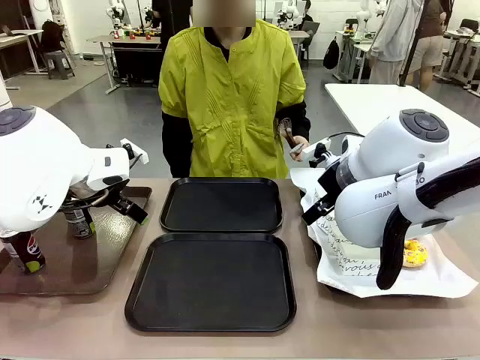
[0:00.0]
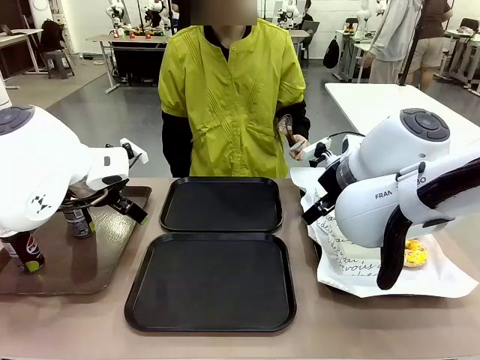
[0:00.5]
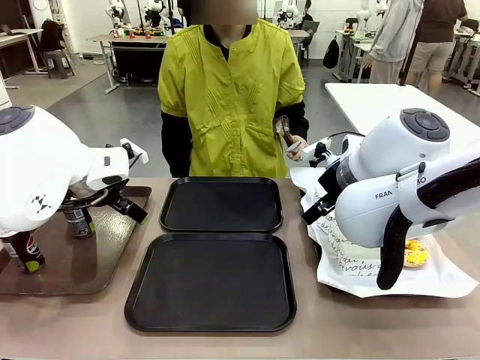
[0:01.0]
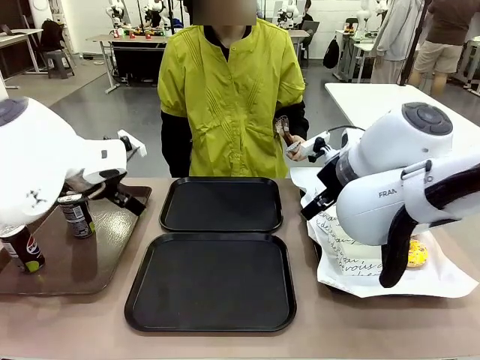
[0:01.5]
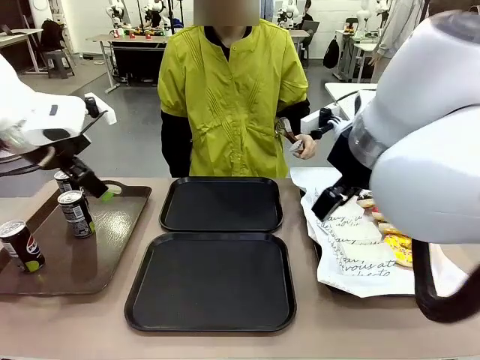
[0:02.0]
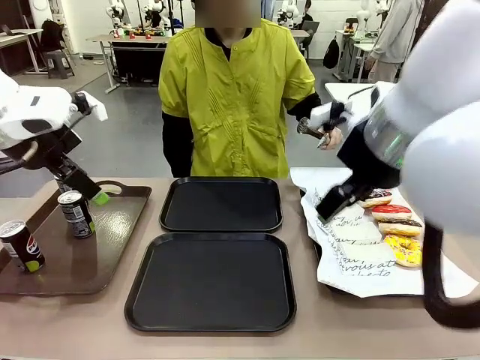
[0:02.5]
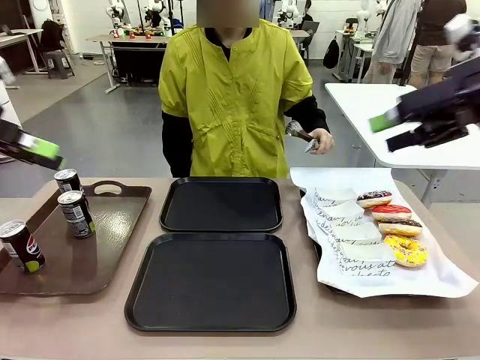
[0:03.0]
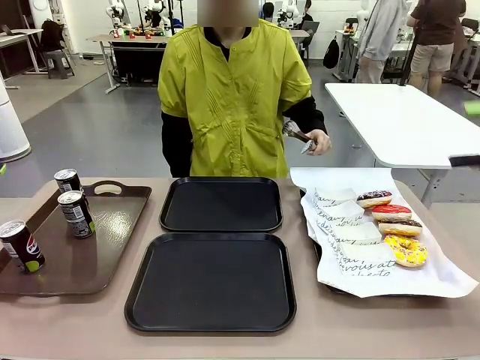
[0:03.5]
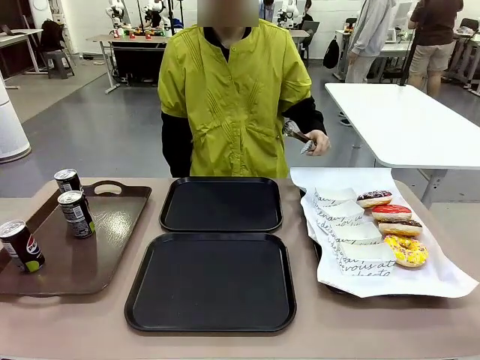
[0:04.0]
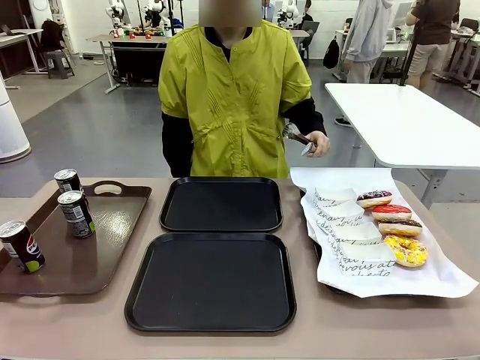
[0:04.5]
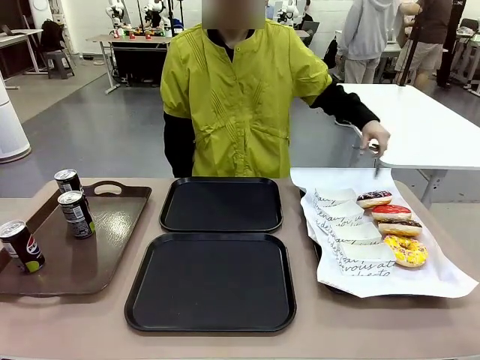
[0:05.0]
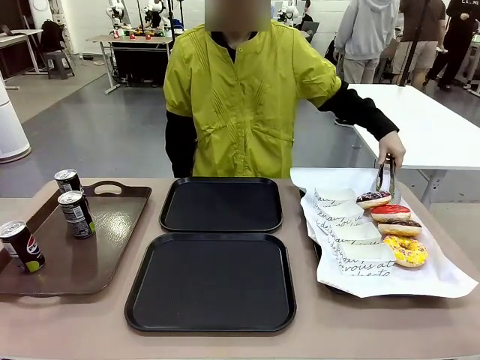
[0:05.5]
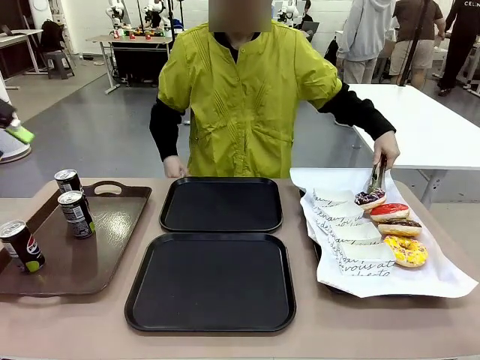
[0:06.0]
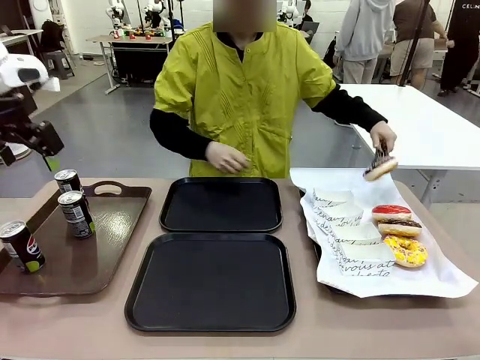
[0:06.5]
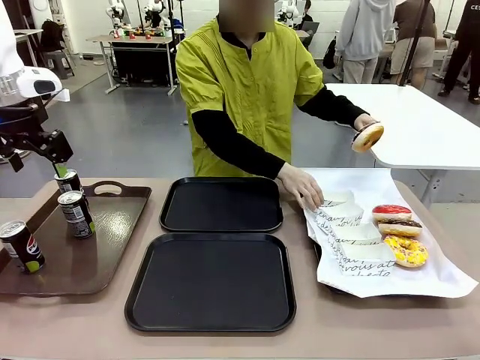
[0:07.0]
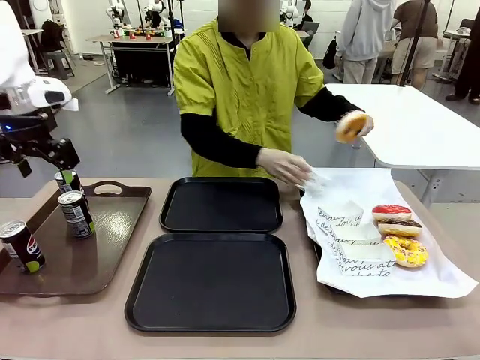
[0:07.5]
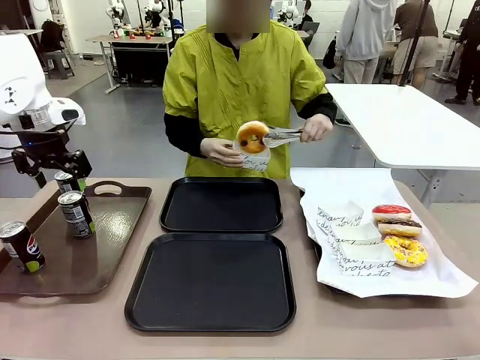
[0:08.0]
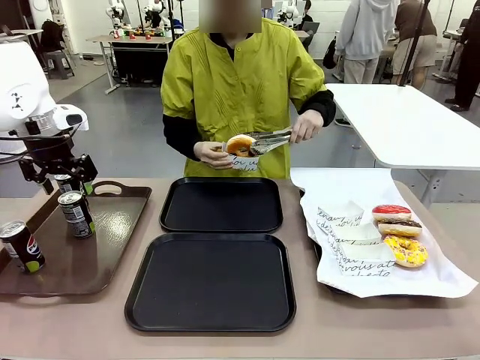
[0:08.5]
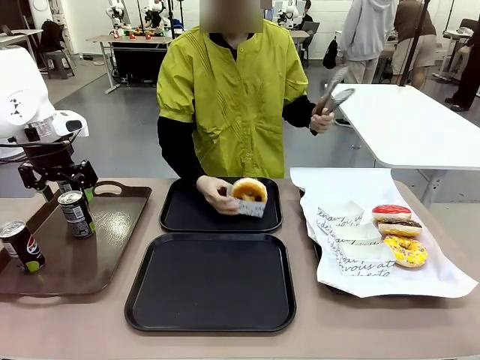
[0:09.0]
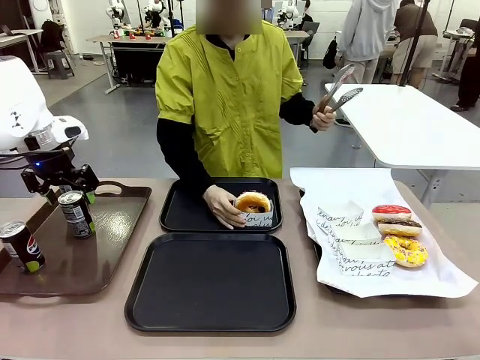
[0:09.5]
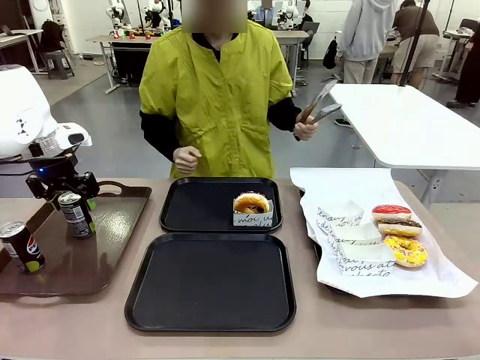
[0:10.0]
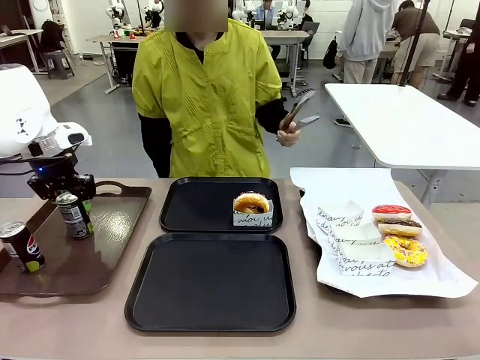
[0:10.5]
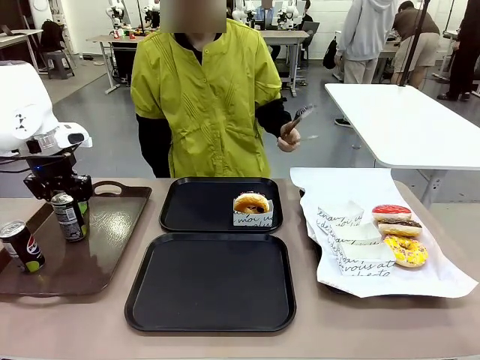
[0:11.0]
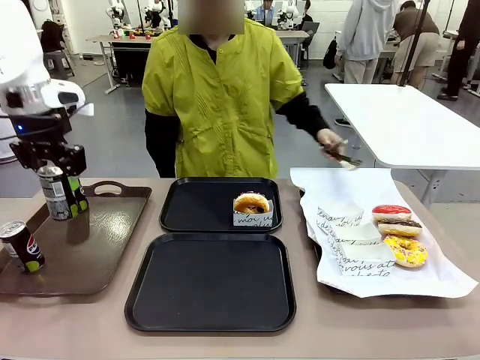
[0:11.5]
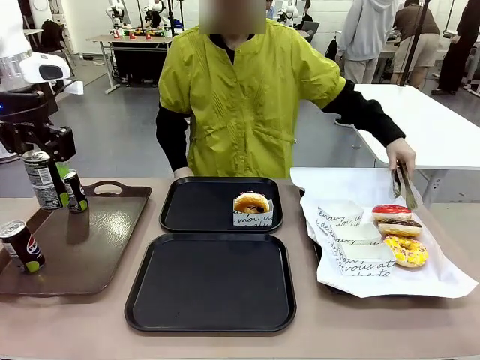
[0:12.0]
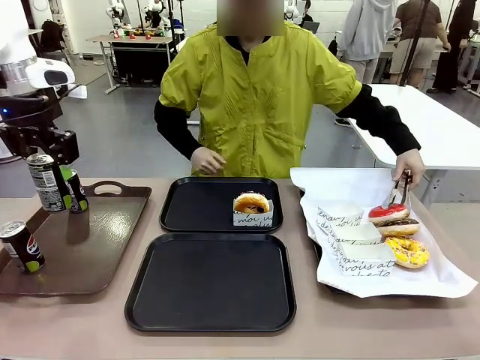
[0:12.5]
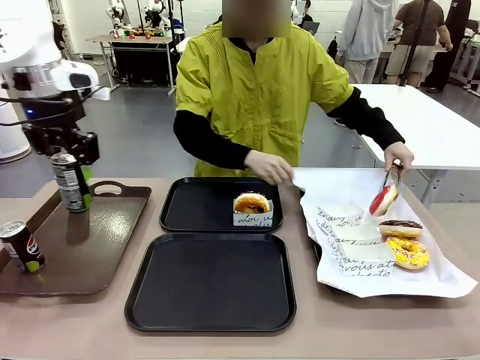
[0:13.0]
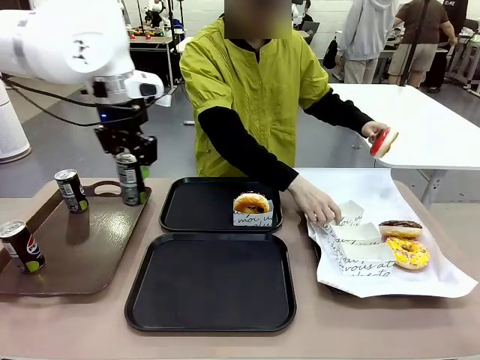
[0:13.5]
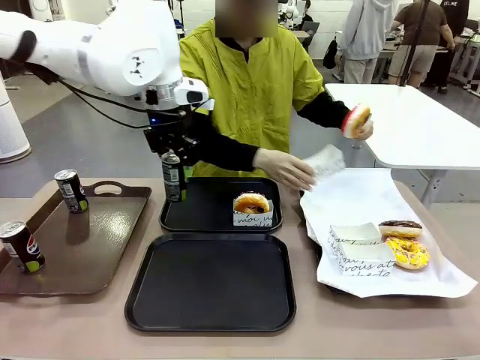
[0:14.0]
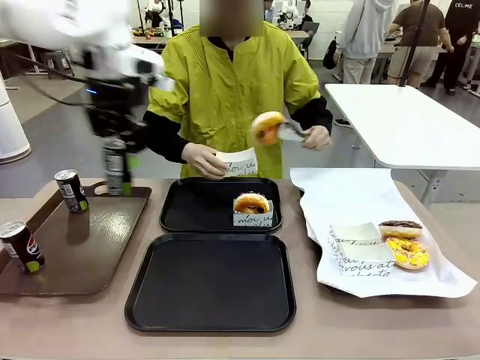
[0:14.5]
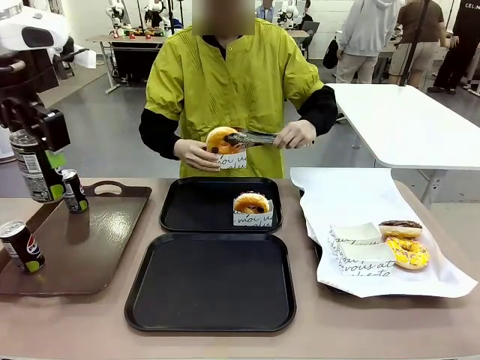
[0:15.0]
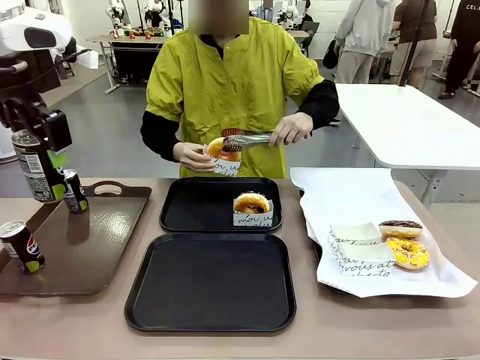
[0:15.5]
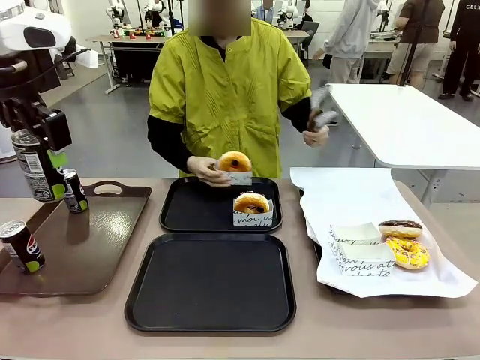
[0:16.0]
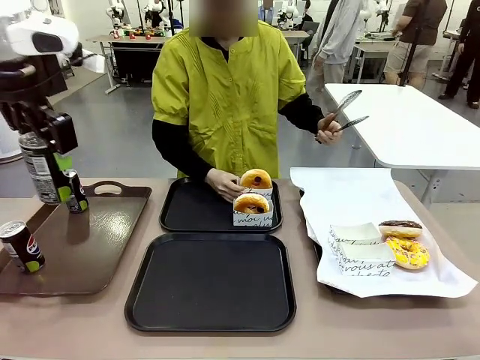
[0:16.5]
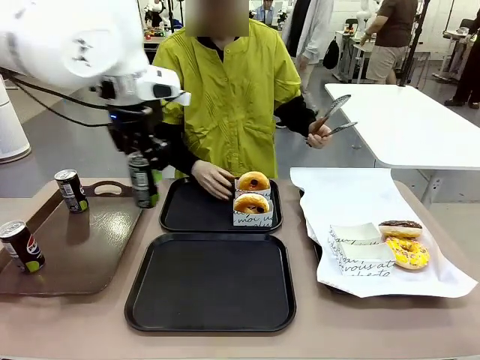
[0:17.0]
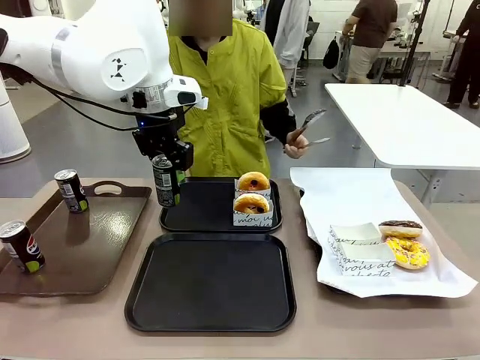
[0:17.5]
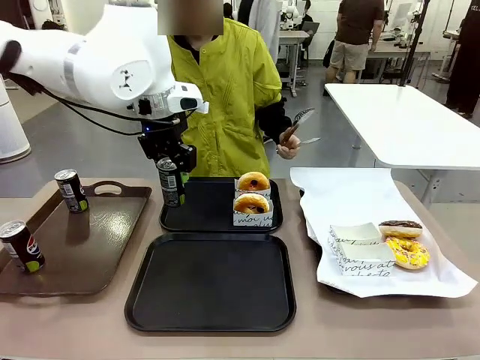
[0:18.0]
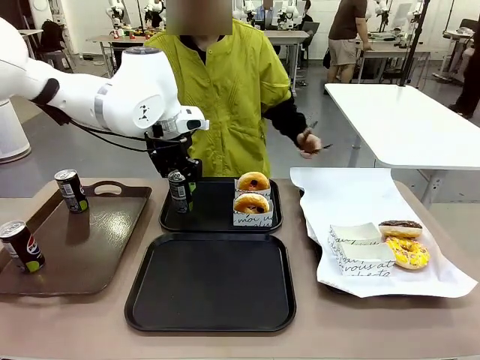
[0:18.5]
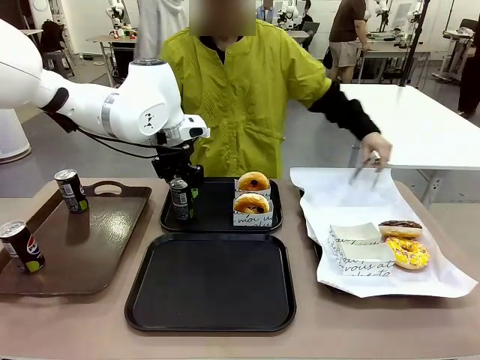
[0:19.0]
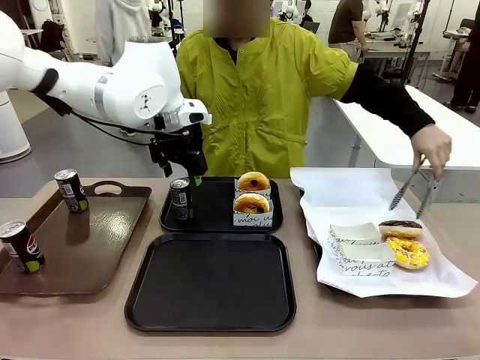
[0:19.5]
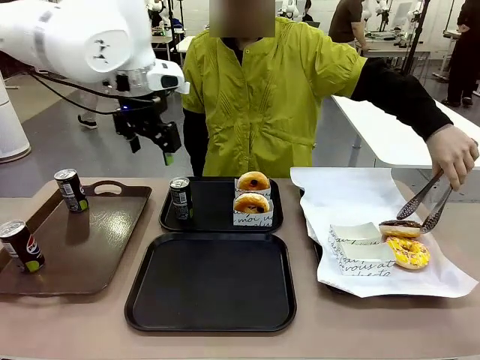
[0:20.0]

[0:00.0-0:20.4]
Task: Set up donuts and drinks on trays.
Robot: Pick up one Pepsi coke and place it on the Flat Tray.

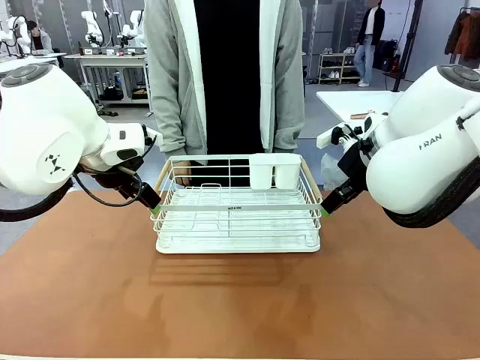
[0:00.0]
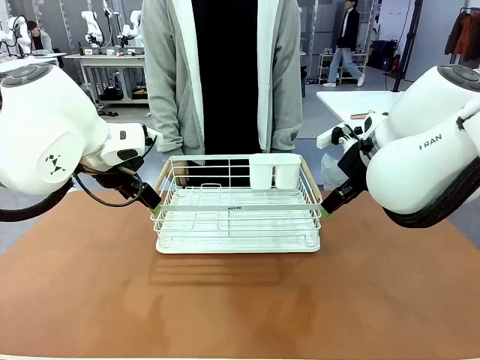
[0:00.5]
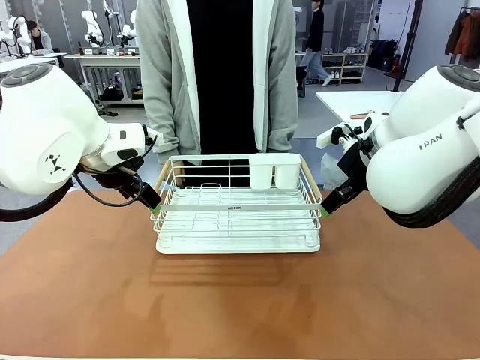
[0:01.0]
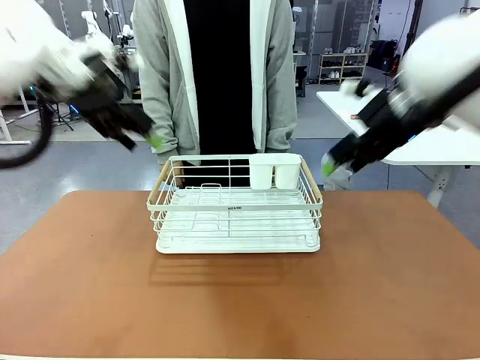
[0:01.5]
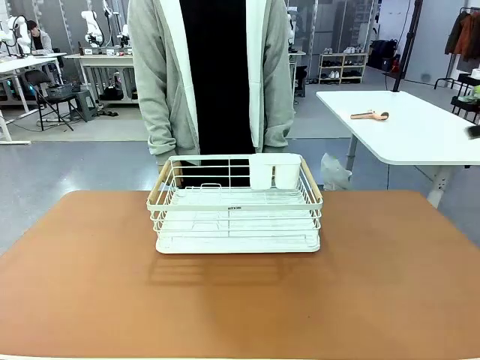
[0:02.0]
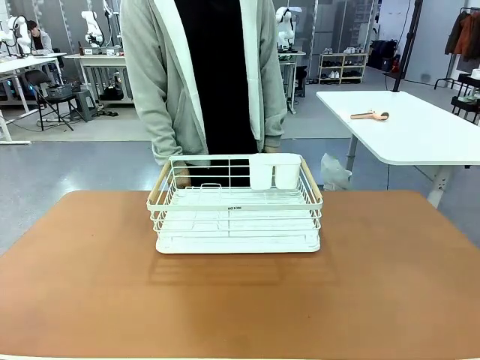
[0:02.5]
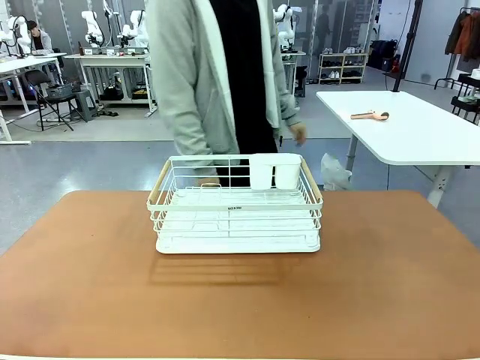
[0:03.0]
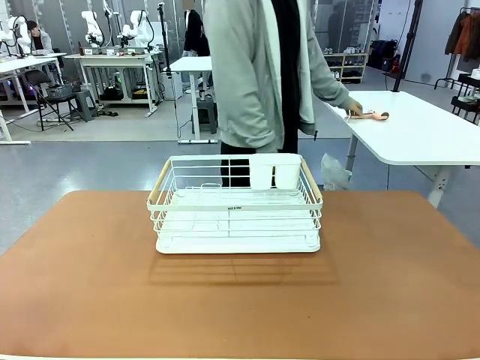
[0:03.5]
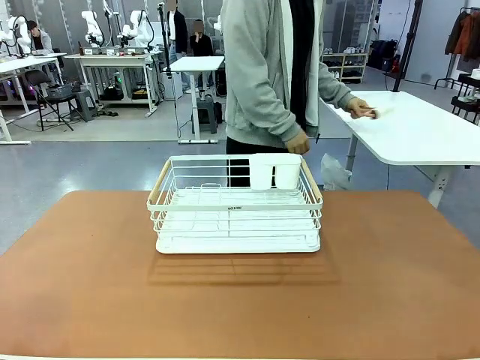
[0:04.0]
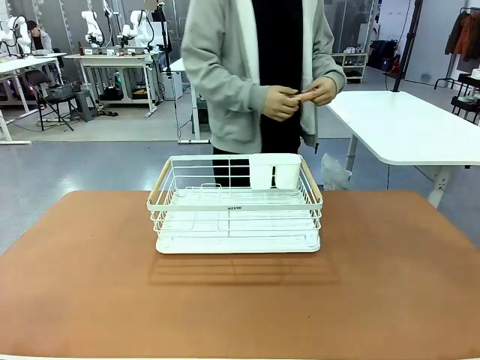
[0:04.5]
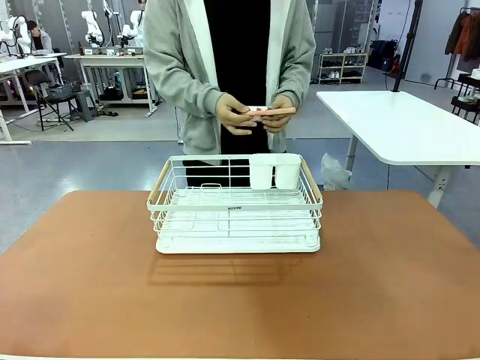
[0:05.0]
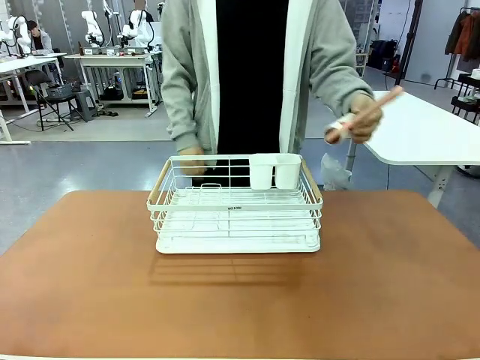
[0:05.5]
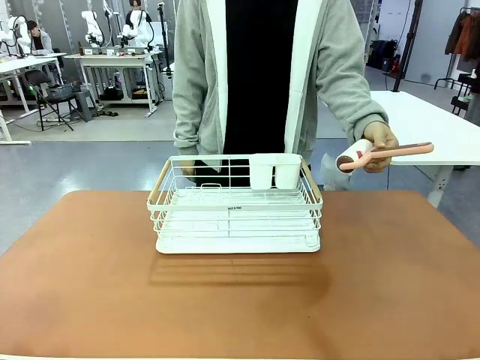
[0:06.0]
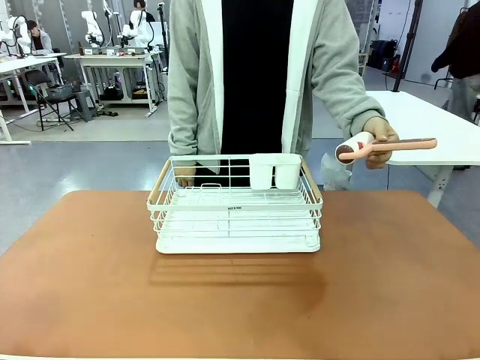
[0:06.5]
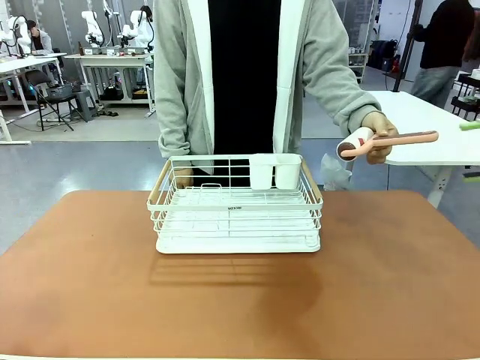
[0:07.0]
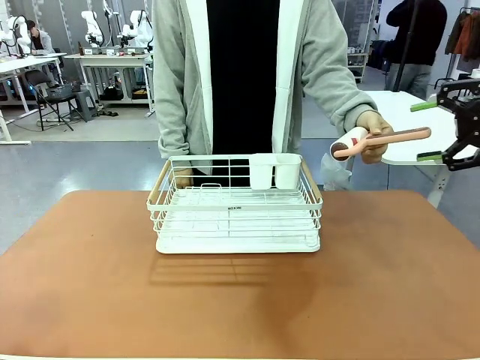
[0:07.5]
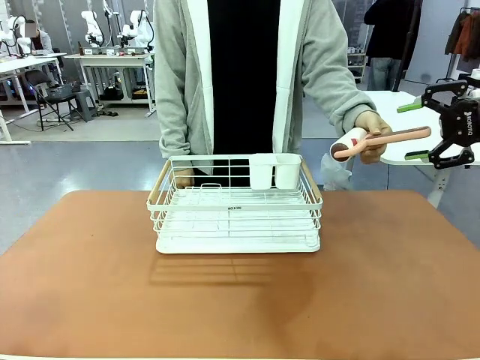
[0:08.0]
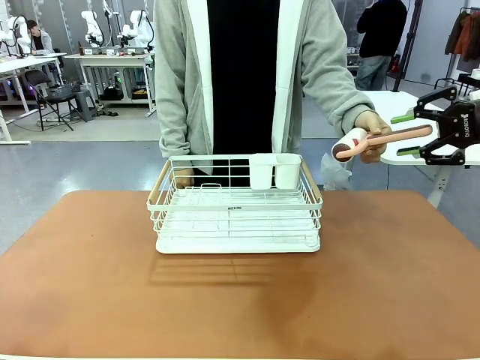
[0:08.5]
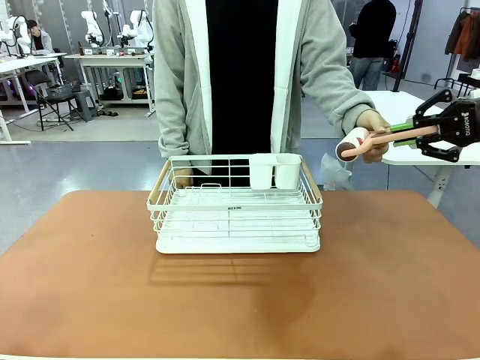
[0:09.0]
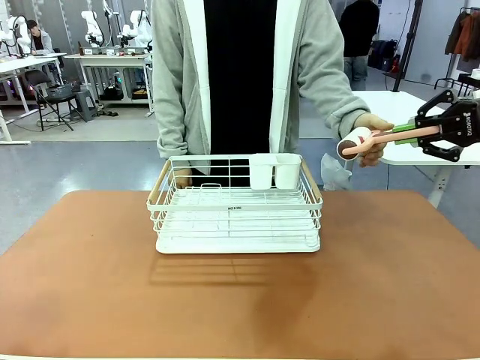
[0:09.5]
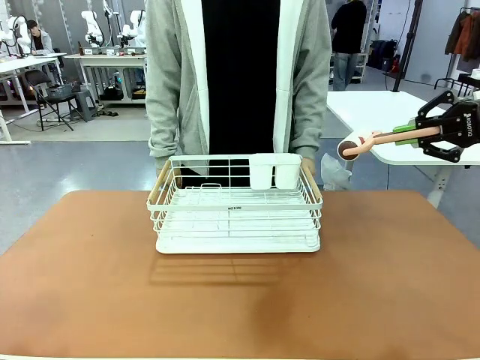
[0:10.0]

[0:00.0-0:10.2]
Task: Clean the table.
Robot: Pick up the Lint Roller when the human hands it over.
Person: Hand the Lint Roller to the robot so it can easily pick it up. Lift the Dish drying rack.
